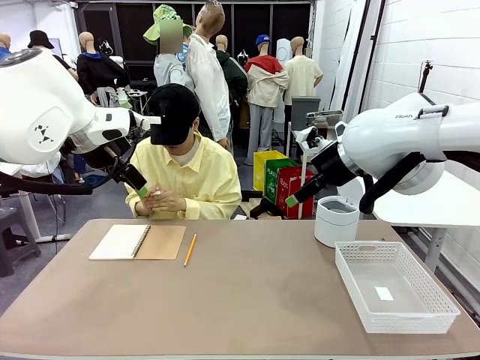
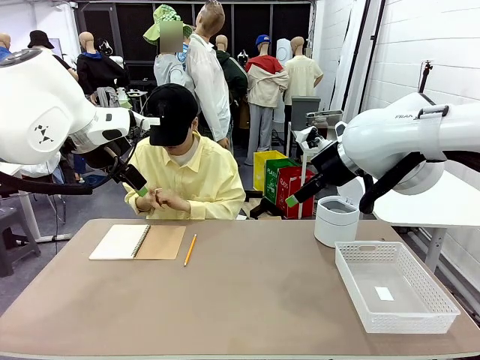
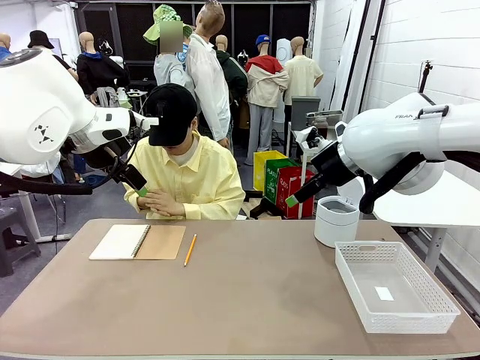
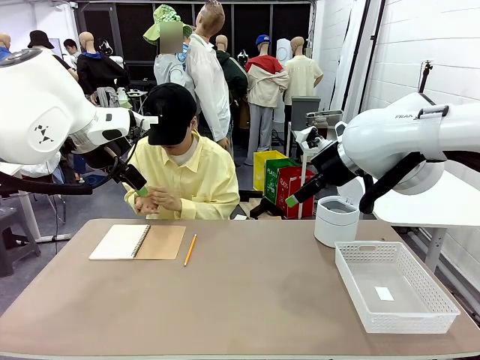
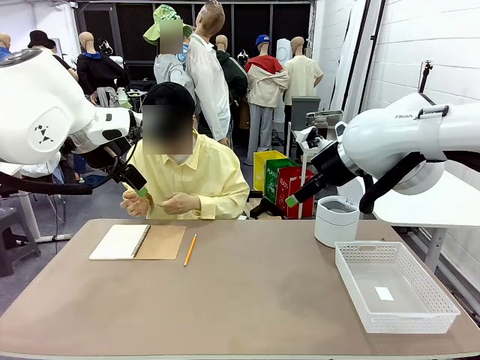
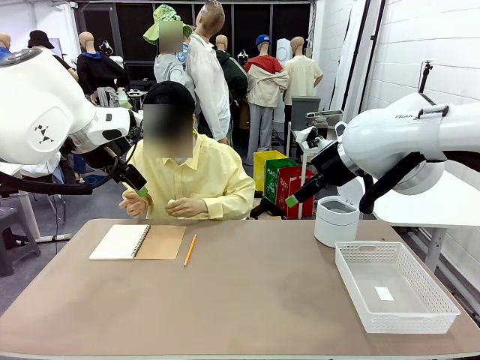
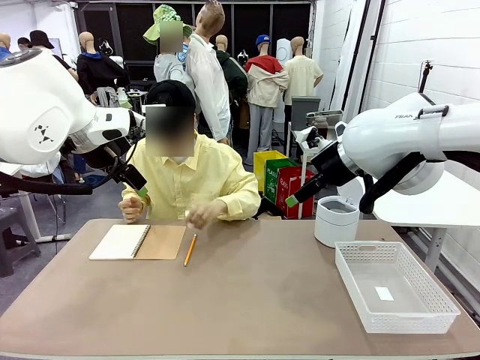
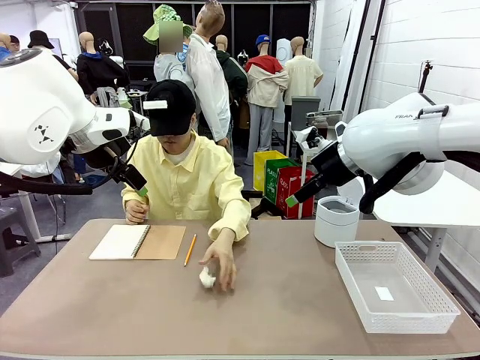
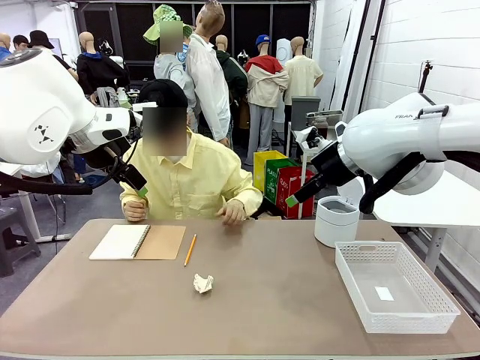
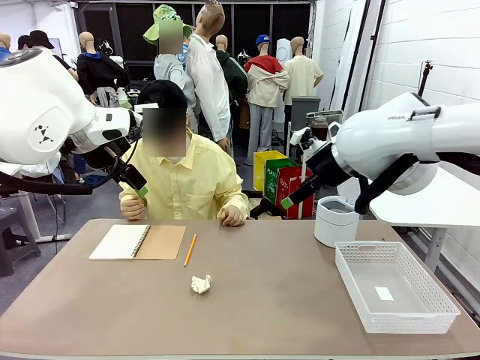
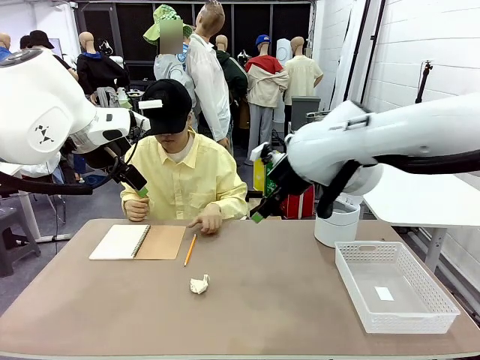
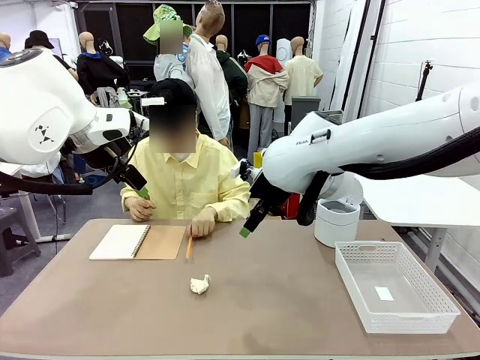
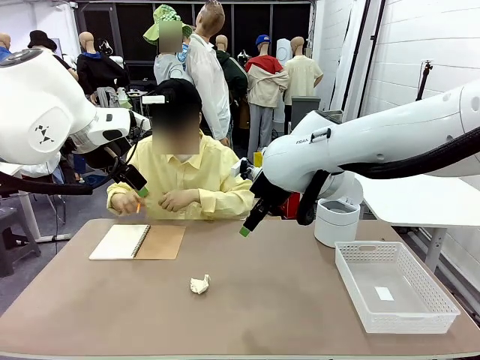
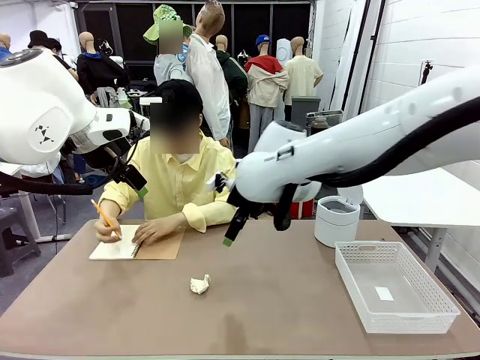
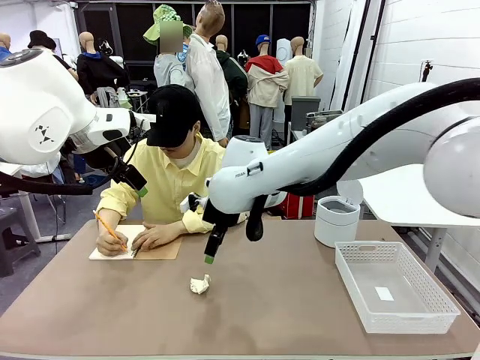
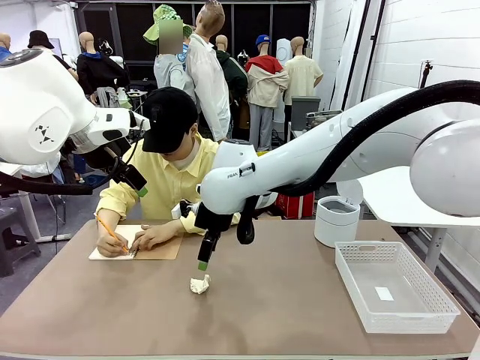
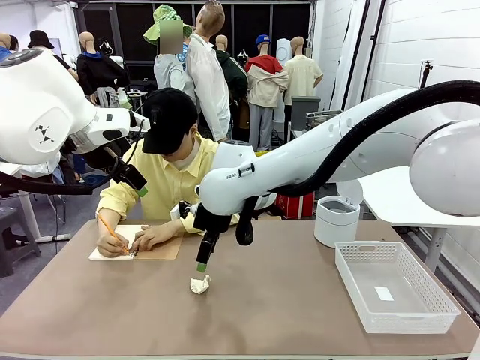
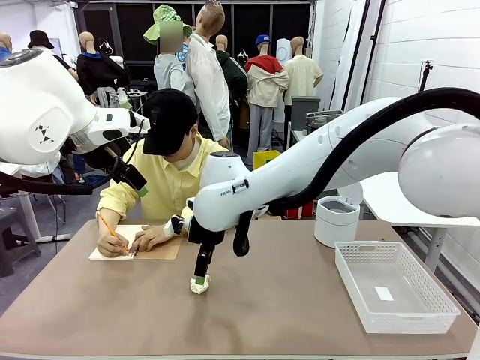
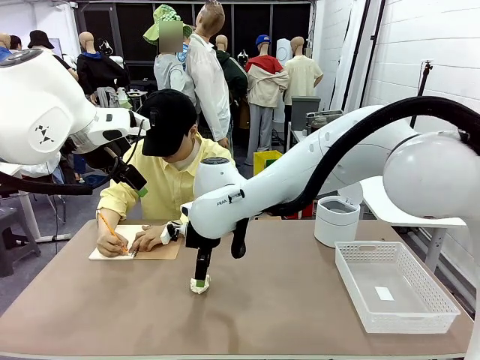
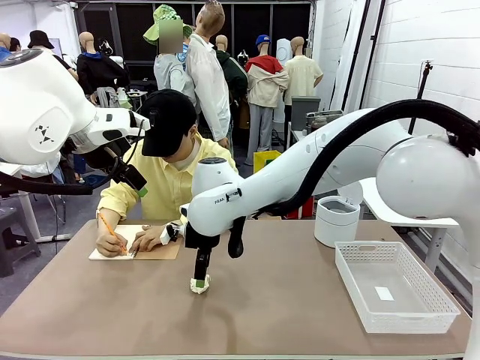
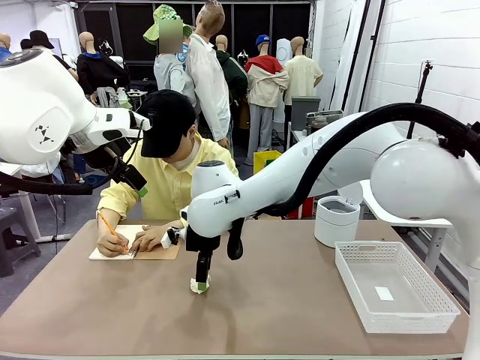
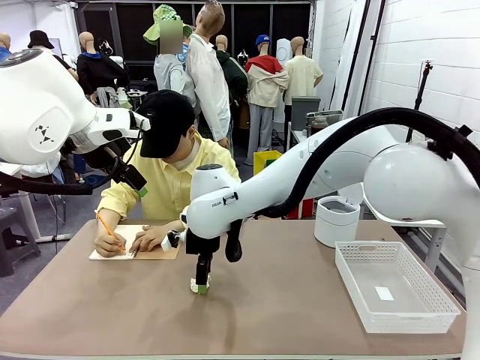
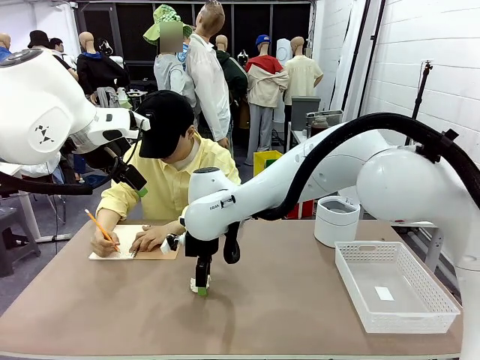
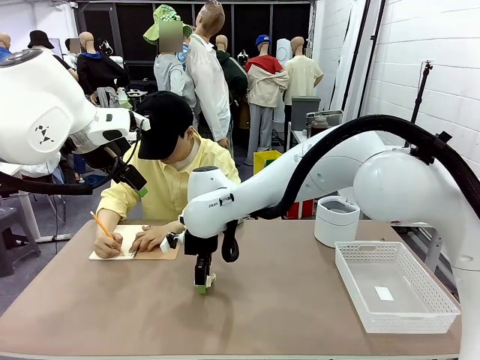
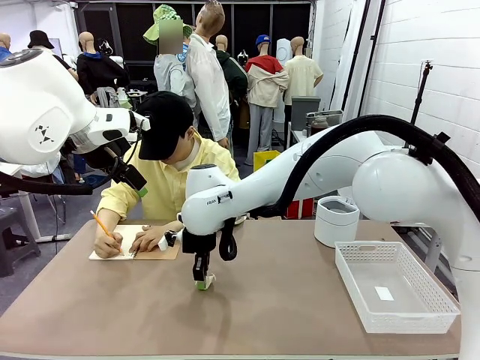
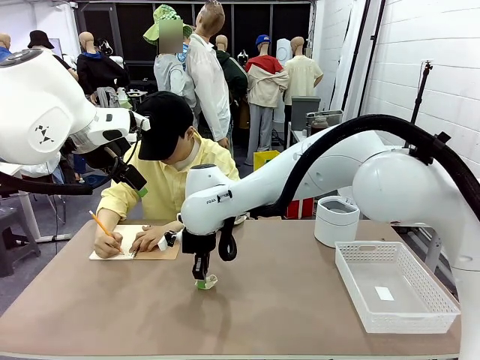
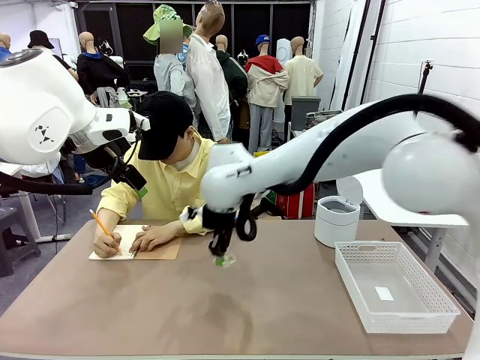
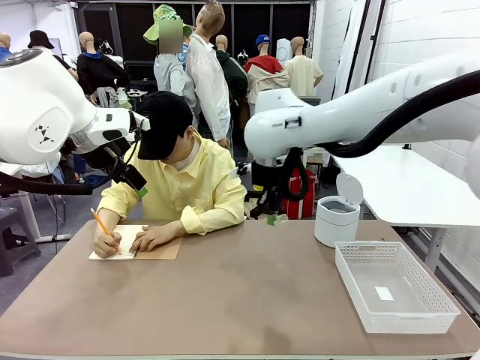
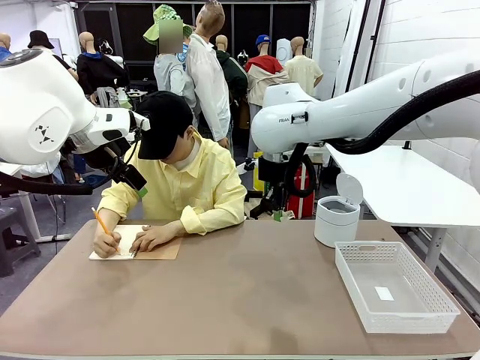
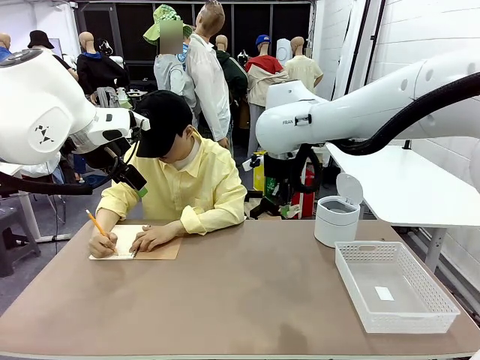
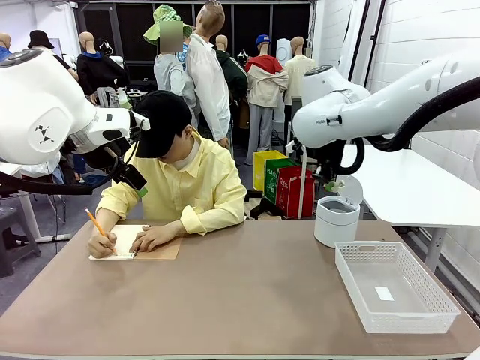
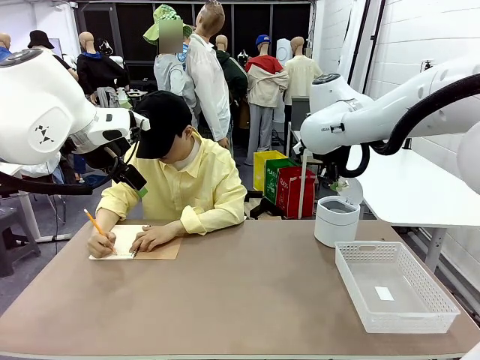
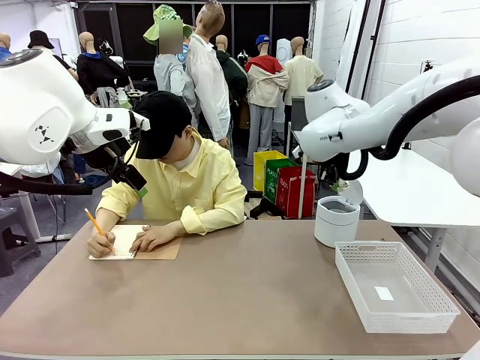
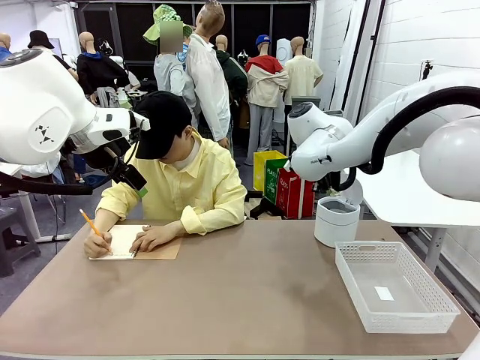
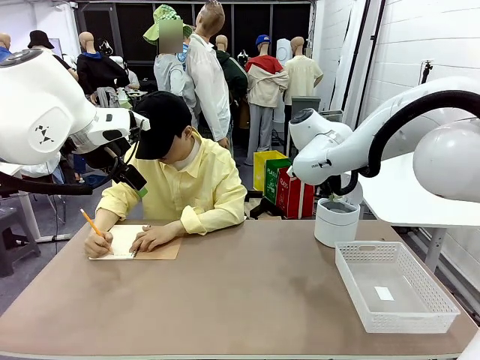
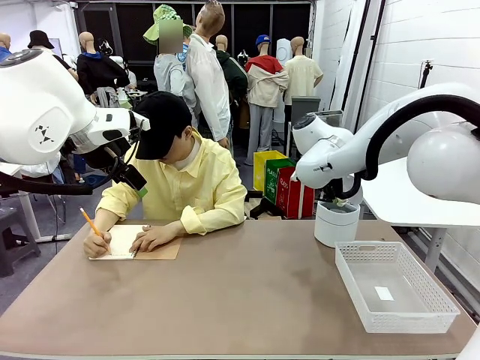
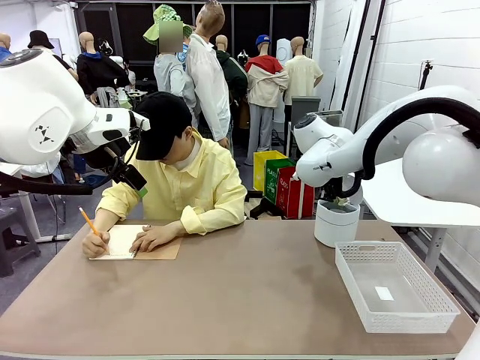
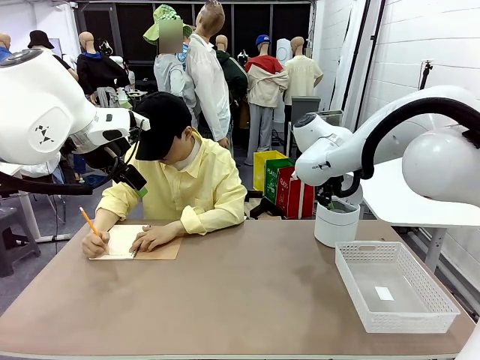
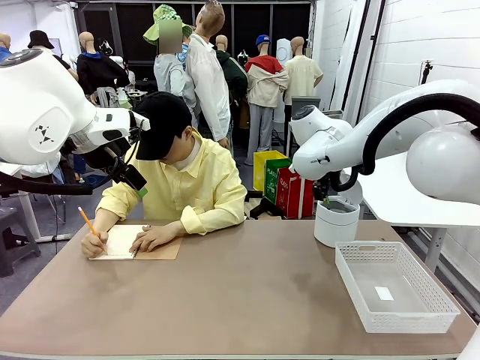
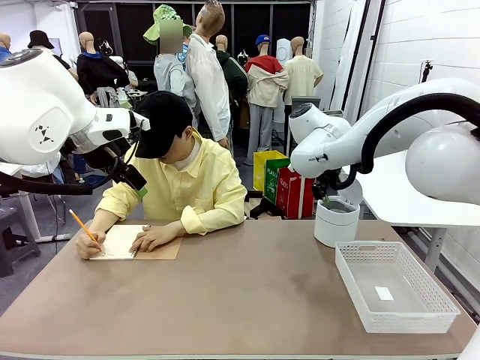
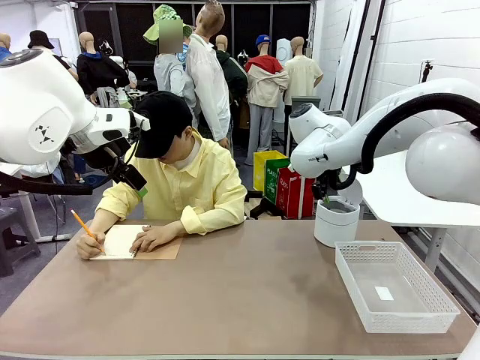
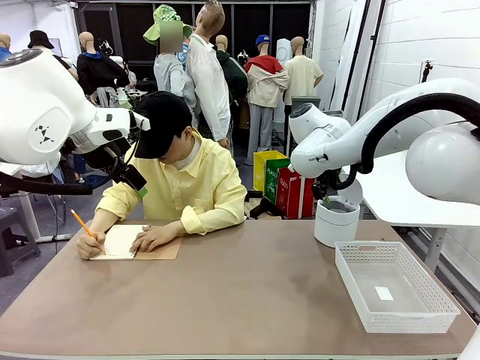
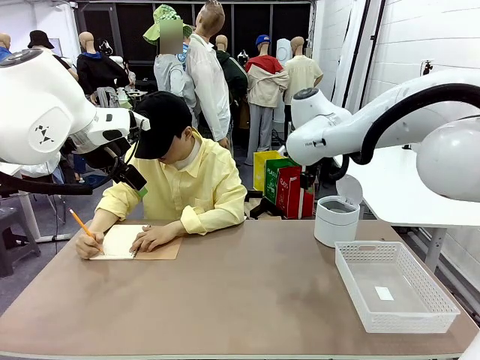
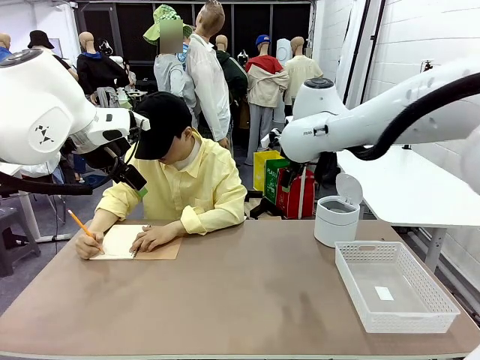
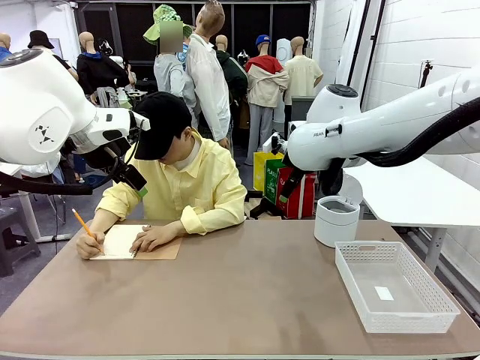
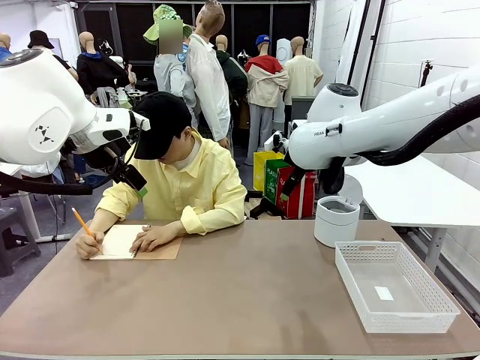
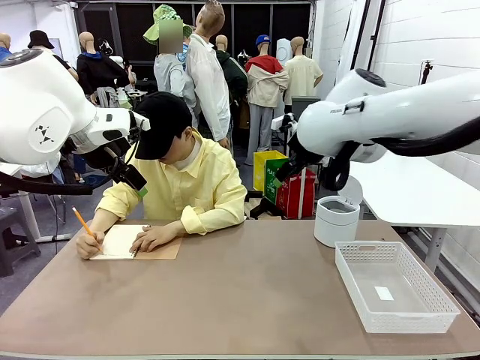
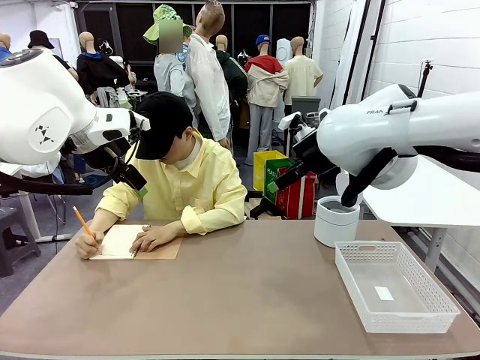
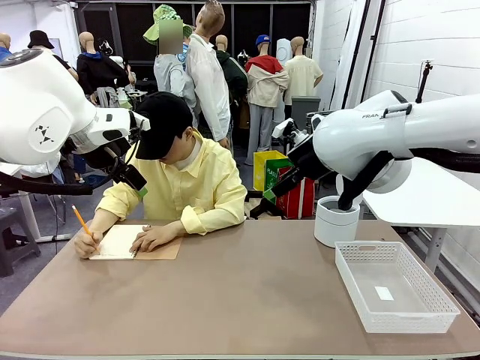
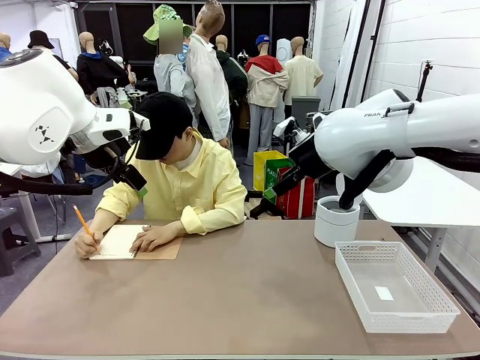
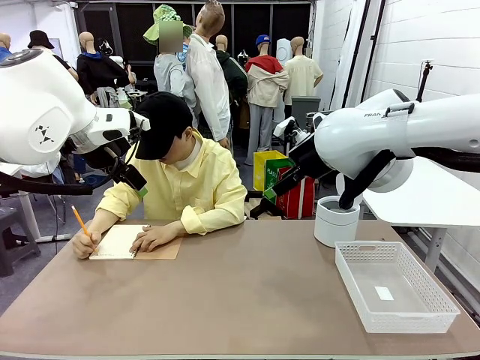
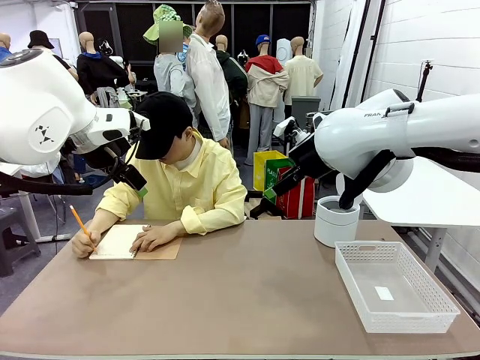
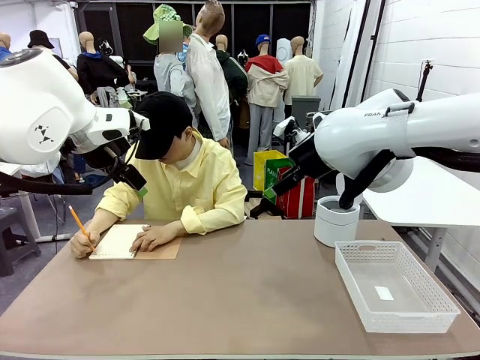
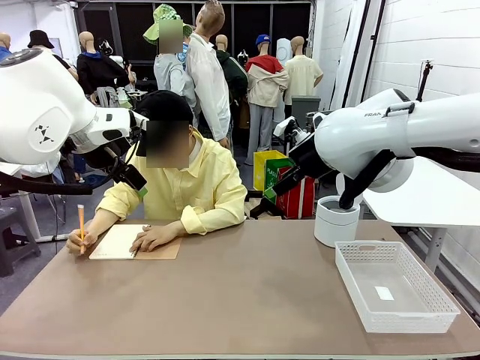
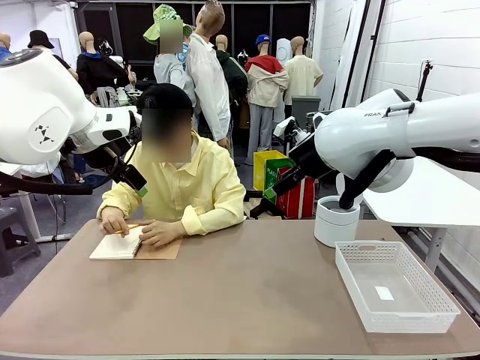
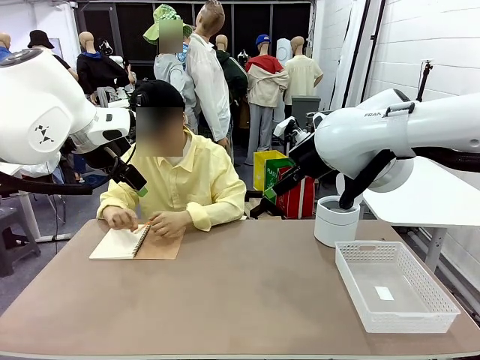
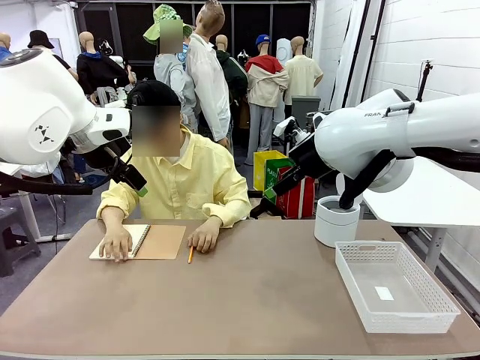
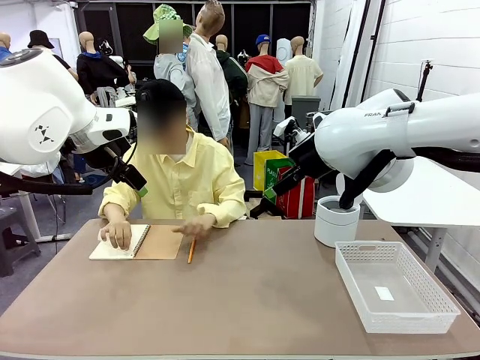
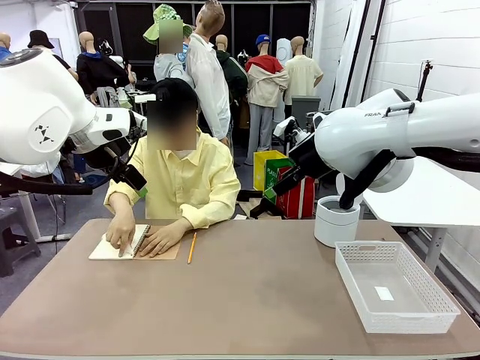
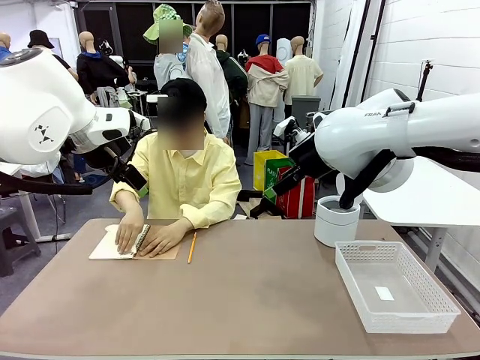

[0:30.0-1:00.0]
Task: Sort the paper based on its condition.
Robot: If a person hands you a paper, place it in the Organizing basket , and if it's crumpled, put it in the Trash can.
Person: Tear out a page from the spiral notebook.
